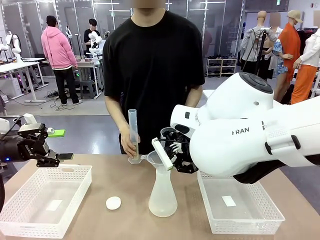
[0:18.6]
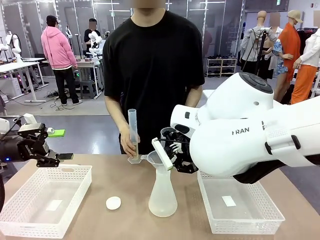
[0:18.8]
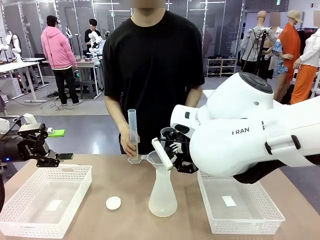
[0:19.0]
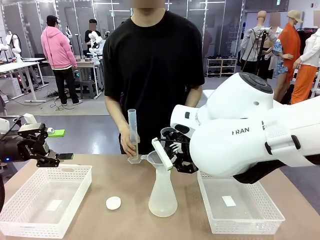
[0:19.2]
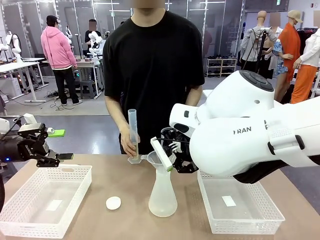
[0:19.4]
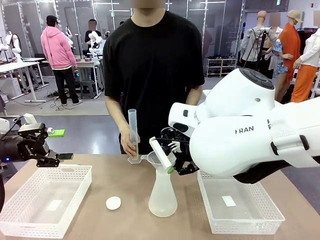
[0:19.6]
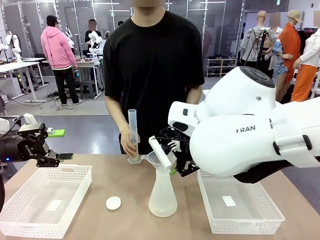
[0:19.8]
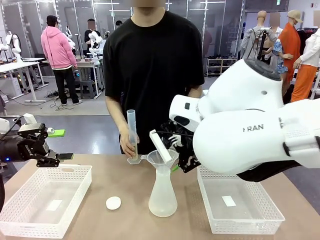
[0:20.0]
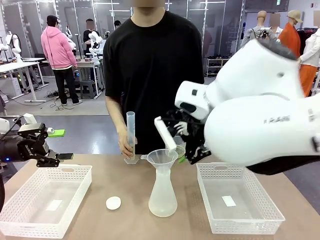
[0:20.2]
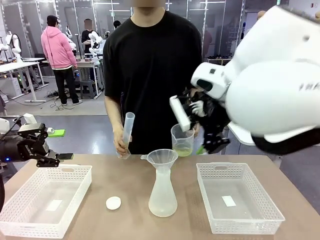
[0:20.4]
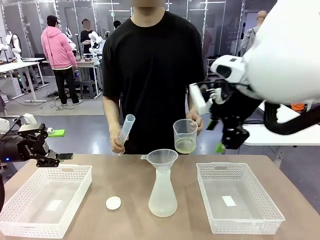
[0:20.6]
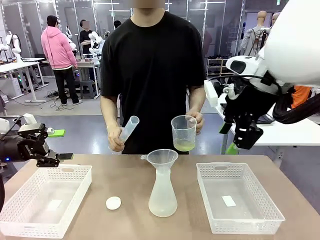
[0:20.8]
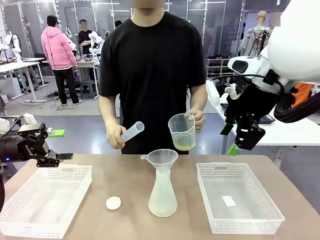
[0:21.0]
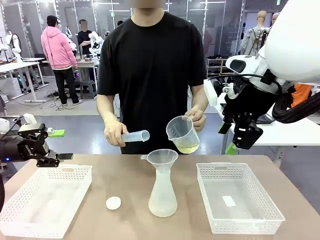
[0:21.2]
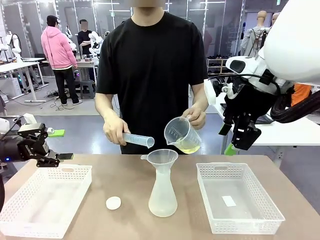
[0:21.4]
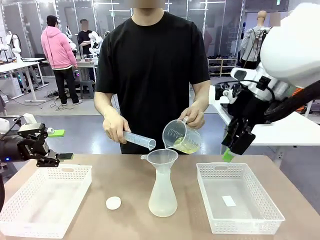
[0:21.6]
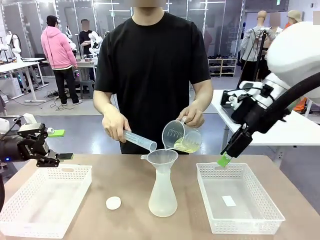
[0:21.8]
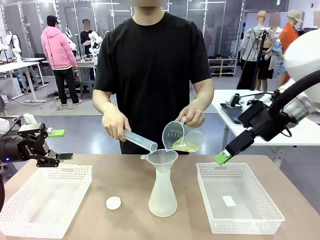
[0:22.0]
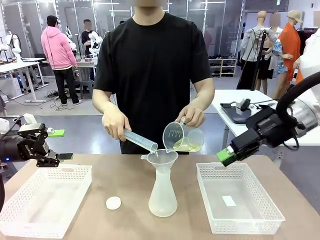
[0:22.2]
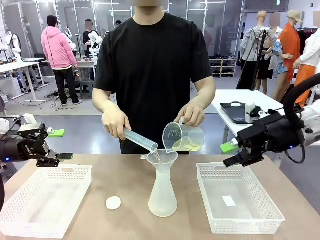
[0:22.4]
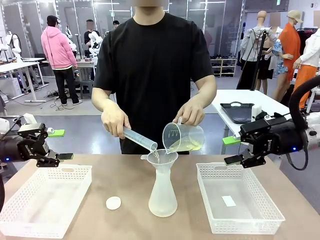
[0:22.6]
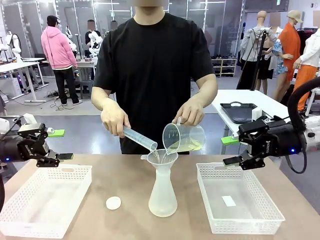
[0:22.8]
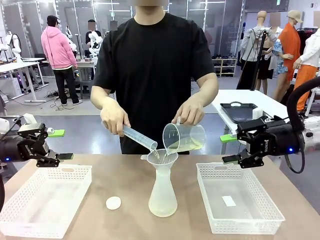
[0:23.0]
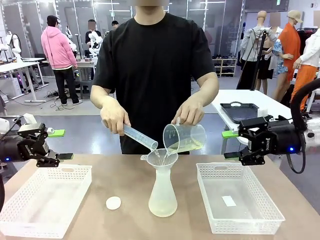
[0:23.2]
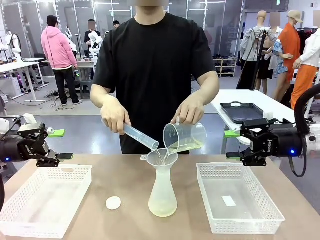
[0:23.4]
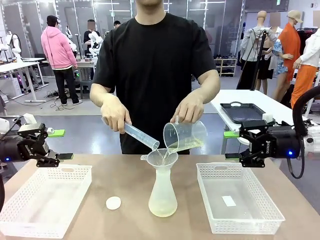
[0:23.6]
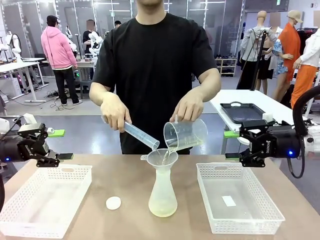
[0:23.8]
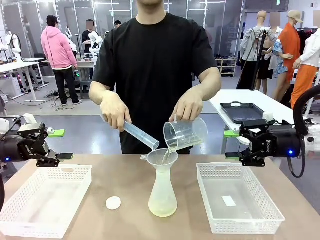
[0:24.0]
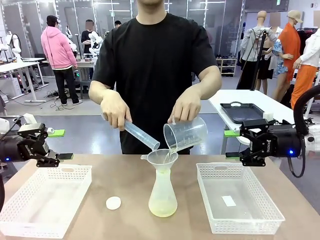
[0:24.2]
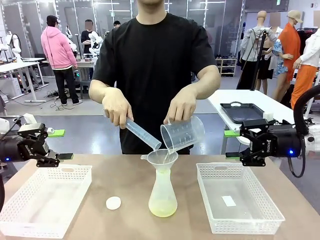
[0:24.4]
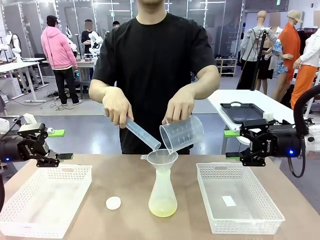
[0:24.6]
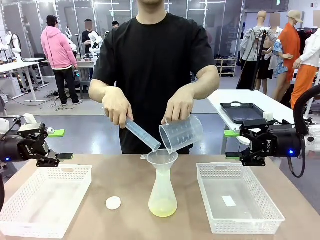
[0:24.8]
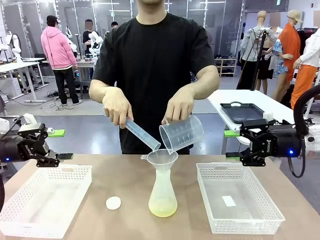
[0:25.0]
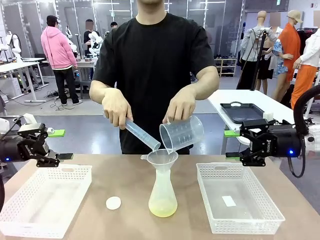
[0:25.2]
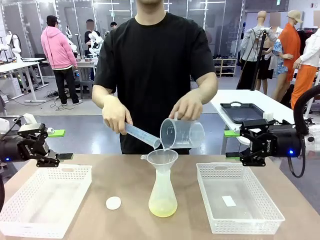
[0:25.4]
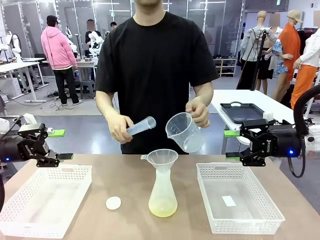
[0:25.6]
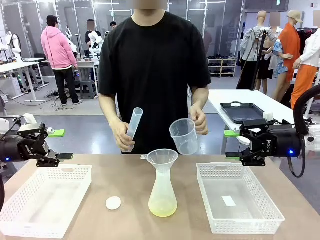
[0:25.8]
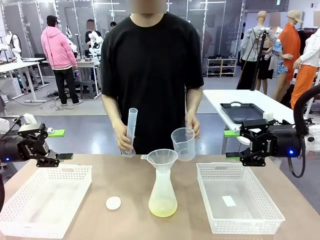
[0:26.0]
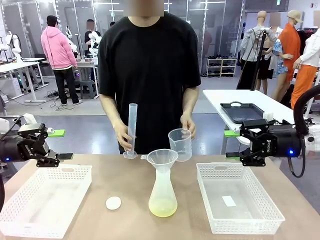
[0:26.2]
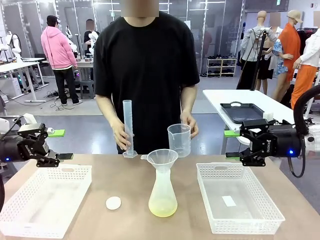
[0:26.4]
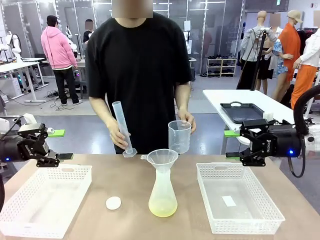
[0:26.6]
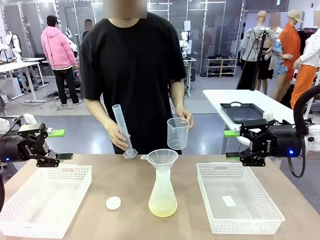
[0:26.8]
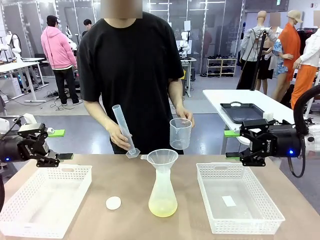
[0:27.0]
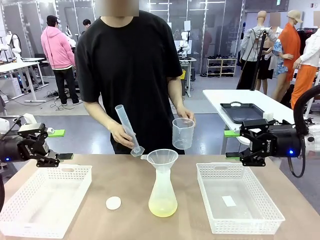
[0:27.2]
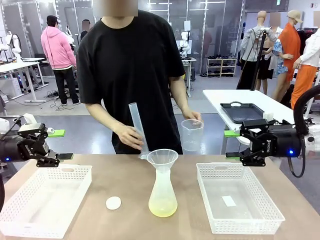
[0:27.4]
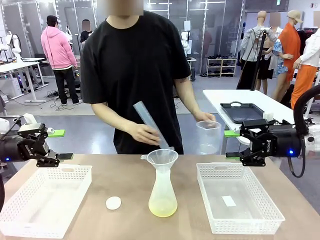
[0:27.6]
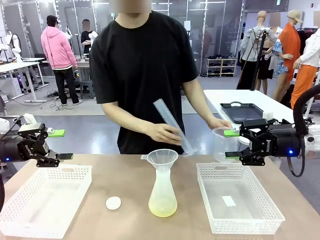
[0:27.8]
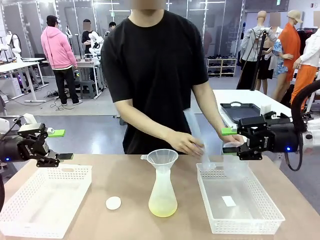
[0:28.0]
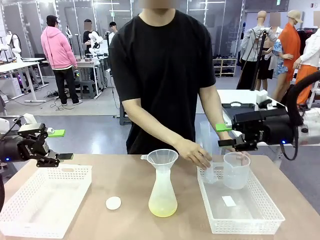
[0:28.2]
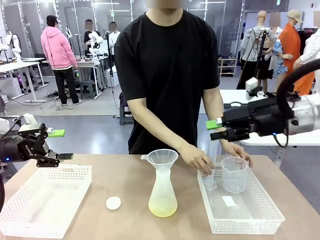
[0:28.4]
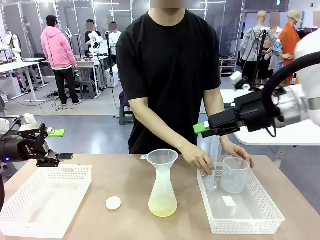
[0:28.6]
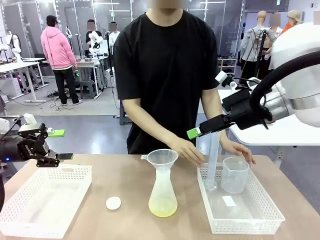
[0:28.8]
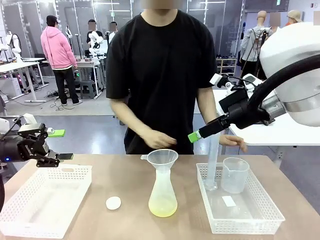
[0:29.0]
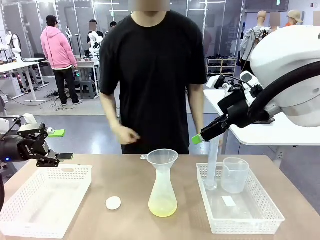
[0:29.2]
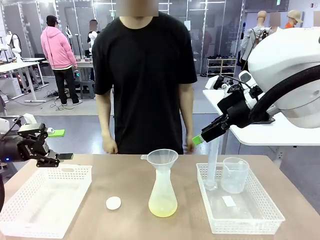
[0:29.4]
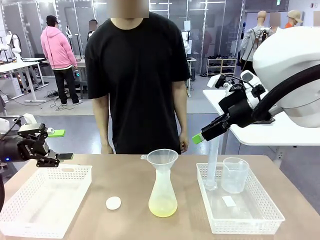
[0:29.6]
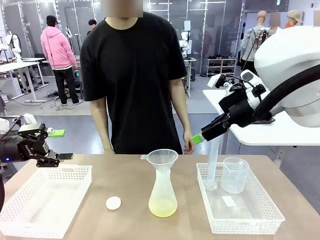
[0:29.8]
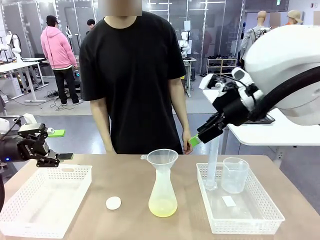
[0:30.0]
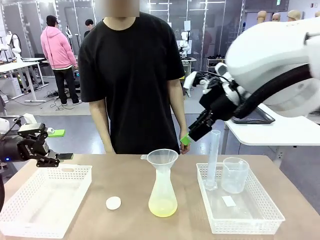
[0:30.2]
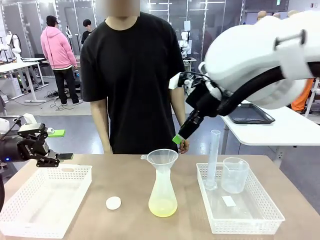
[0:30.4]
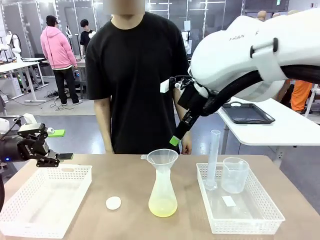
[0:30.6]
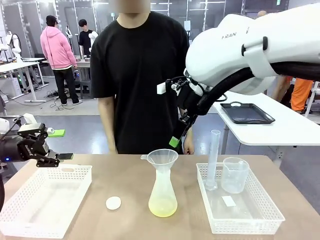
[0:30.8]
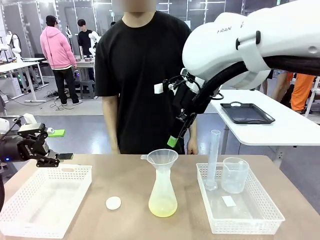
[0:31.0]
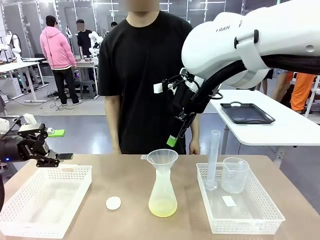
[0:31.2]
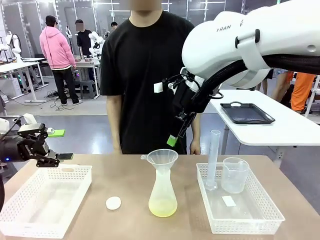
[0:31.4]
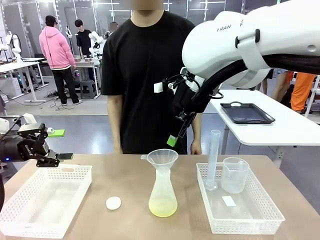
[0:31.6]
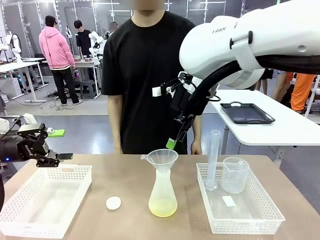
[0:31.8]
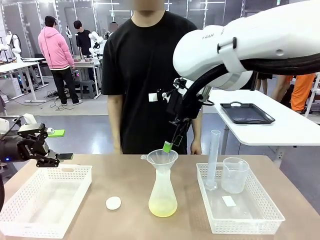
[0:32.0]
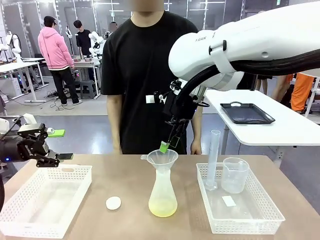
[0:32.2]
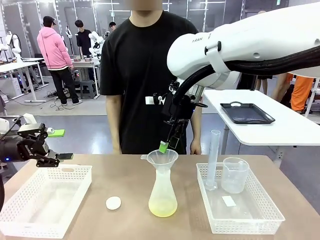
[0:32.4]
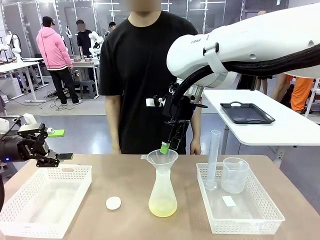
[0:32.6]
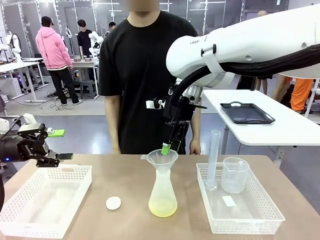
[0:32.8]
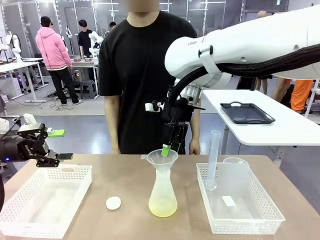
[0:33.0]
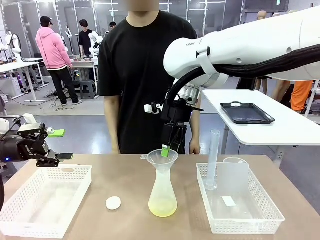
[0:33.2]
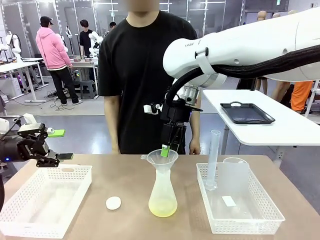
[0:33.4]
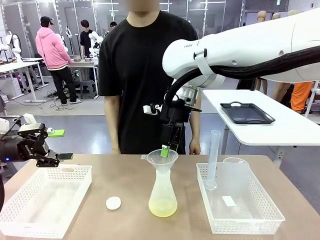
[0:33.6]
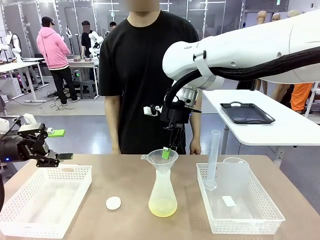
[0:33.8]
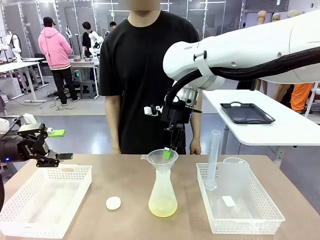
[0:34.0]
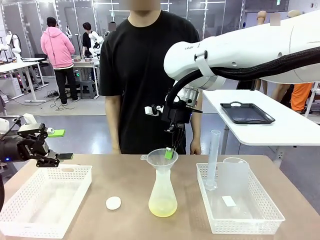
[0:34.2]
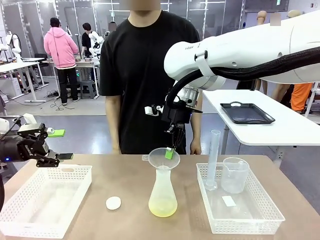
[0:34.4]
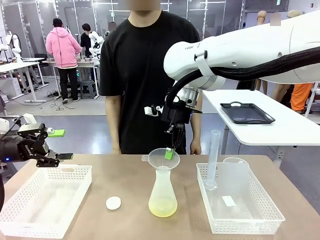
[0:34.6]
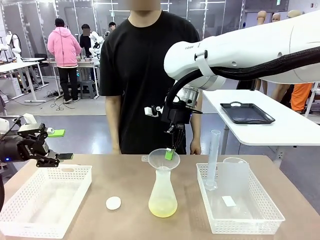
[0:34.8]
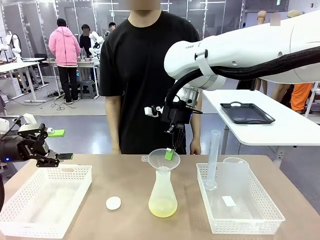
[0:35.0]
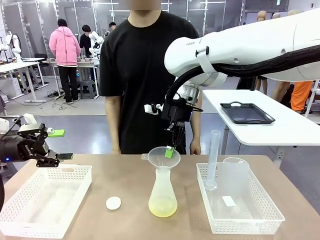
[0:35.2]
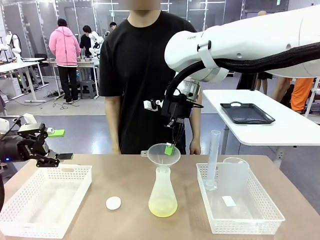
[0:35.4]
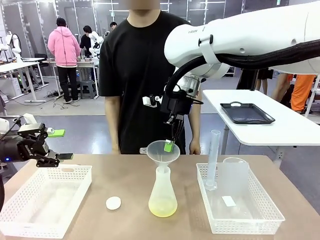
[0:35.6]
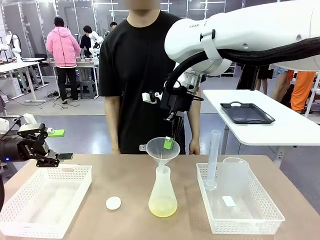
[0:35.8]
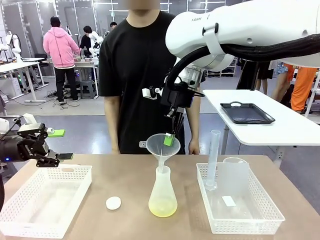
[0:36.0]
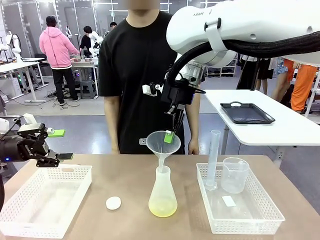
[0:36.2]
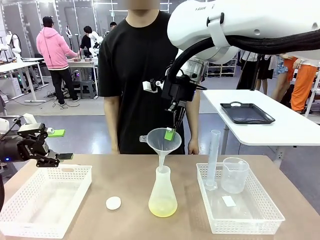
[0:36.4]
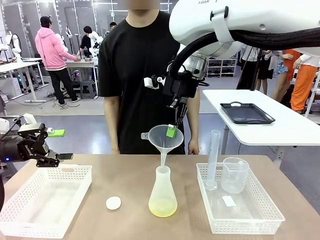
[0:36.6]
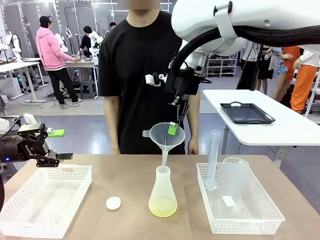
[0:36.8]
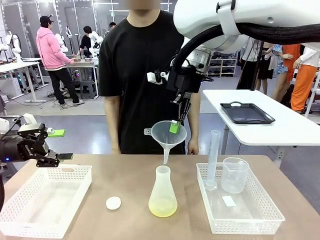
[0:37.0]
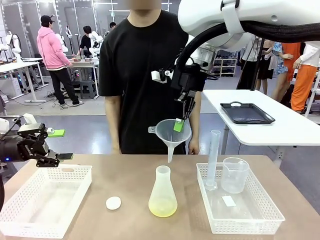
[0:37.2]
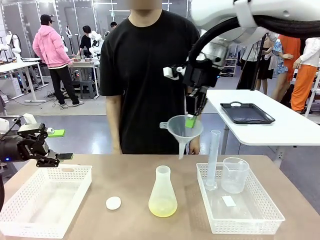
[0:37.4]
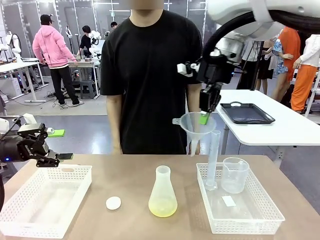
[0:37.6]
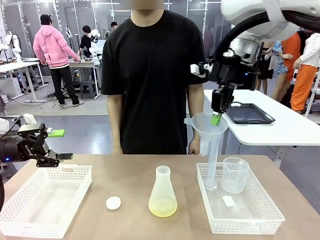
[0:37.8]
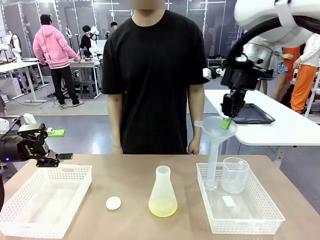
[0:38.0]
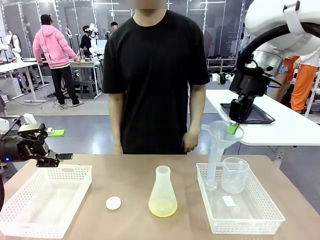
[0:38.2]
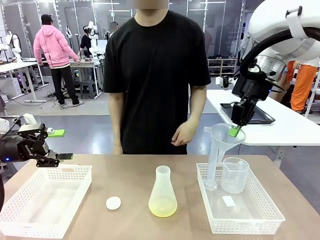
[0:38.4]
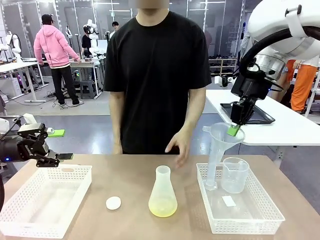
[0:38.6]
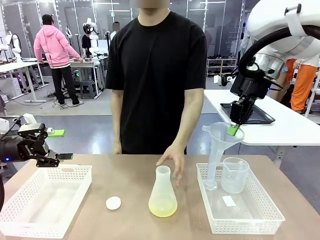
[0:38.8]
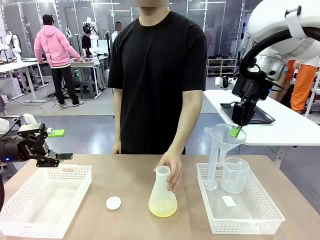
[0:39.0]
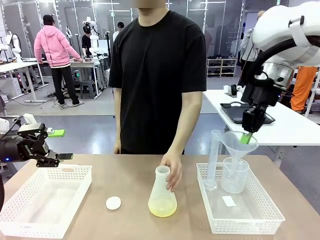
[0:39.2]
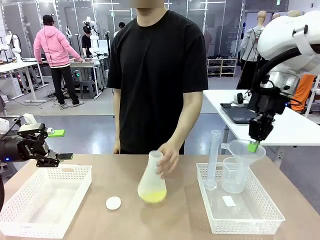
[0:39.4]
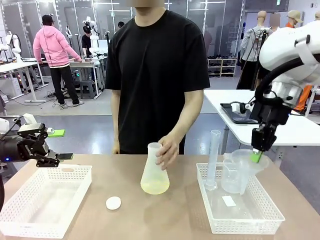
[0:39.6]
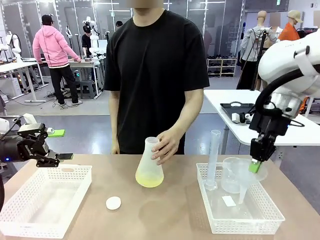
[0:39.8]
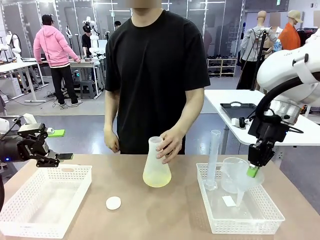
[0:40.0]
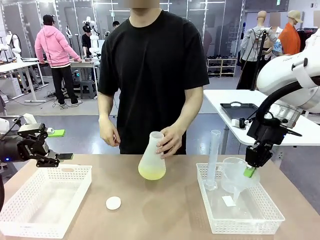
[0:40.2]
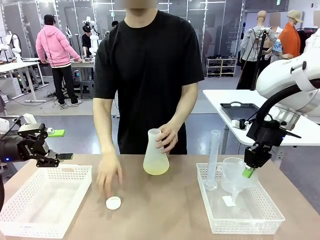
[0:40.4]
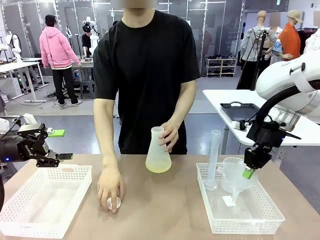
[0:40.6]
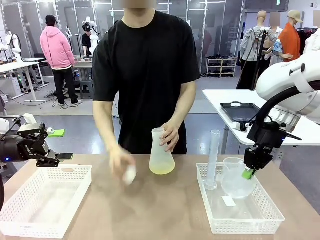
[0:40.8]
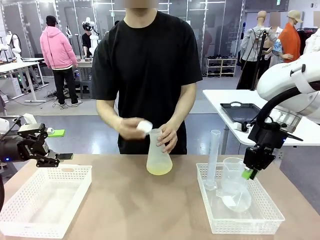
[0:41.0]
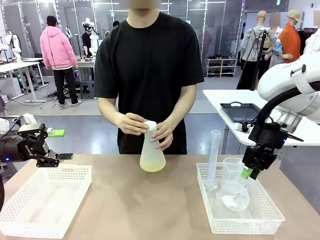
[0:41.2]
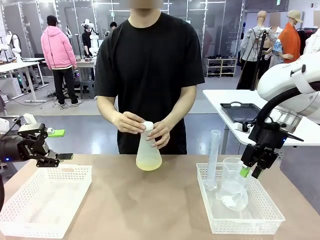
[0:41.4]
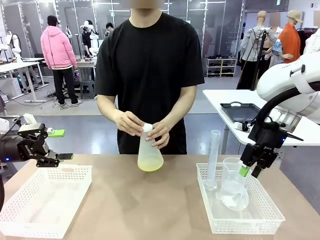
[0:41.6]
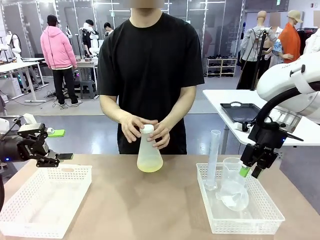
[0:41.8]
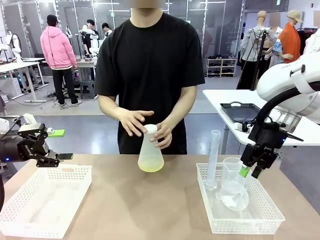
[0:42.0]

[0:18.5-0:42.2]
Task: Prepare the solutions needed for the experiment.
Robot: Once the solution is in the Big flask , pick up the Plastic Funnel and place it back into the right Organizing basket.
Person: Place the beaker and the cylinder into the organizing basket on the left side. Pick up the flask, gently shake it 2–3 times, place it in the middle of the robot table, and close the lid.
